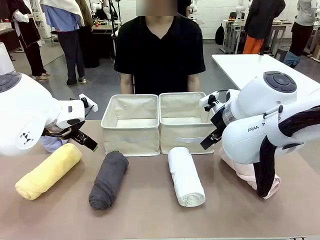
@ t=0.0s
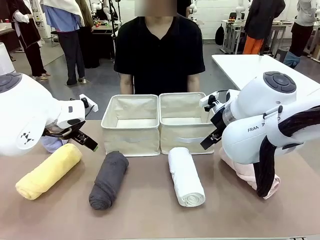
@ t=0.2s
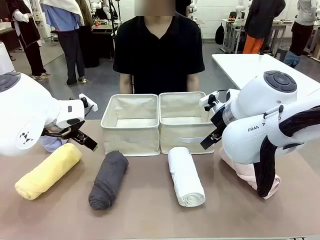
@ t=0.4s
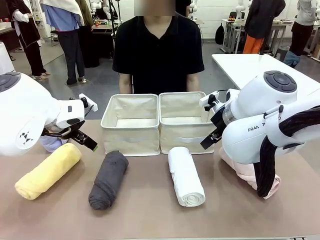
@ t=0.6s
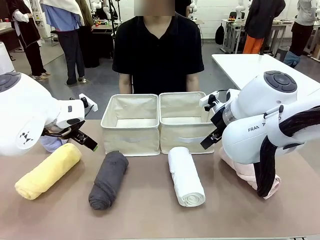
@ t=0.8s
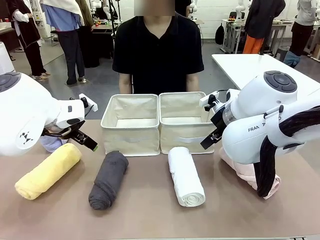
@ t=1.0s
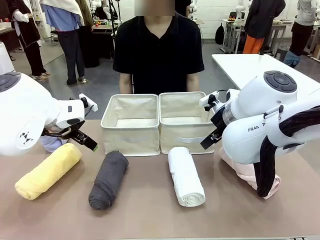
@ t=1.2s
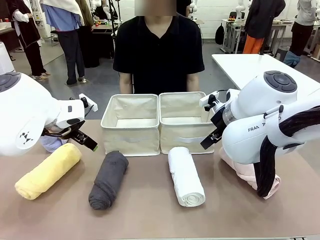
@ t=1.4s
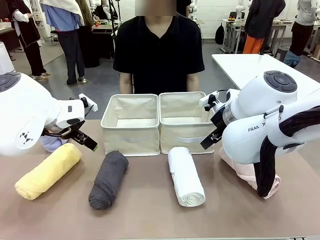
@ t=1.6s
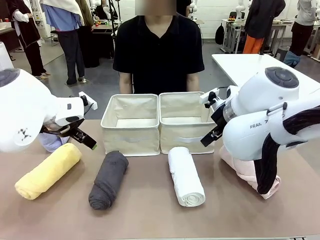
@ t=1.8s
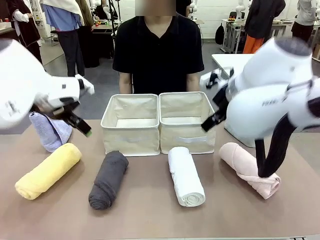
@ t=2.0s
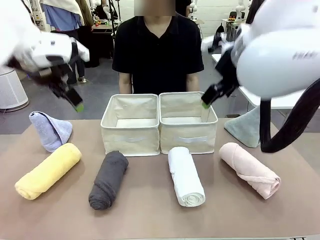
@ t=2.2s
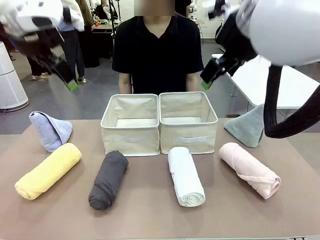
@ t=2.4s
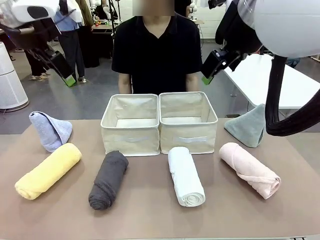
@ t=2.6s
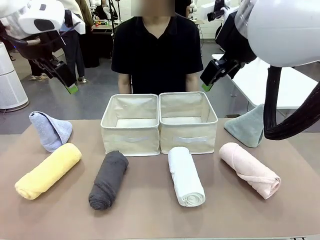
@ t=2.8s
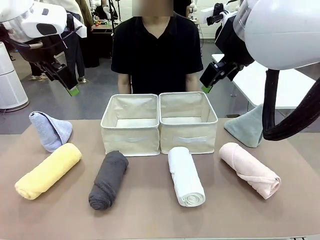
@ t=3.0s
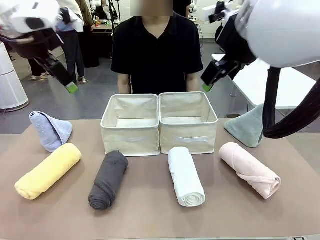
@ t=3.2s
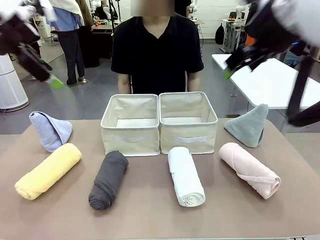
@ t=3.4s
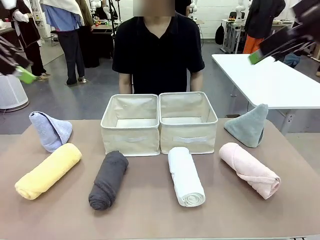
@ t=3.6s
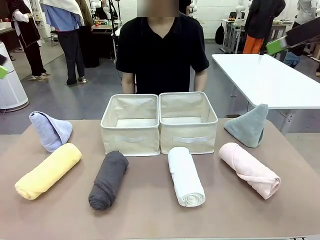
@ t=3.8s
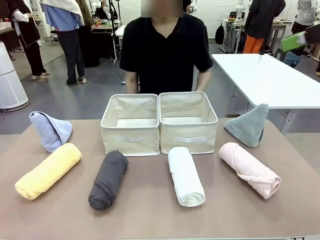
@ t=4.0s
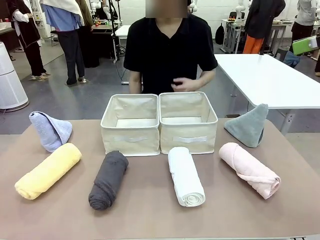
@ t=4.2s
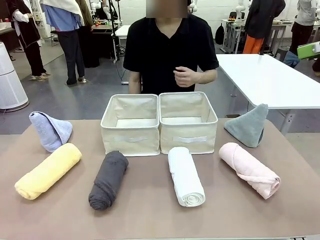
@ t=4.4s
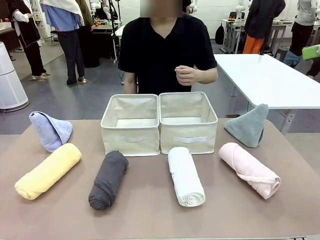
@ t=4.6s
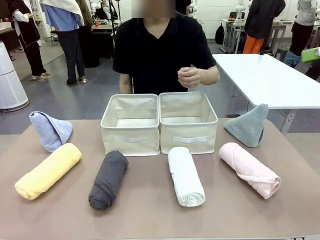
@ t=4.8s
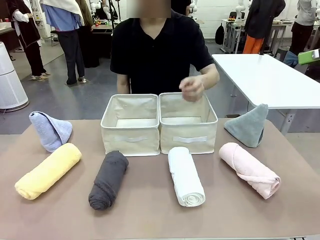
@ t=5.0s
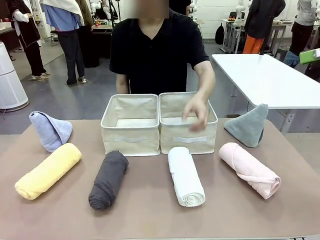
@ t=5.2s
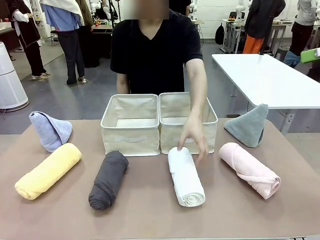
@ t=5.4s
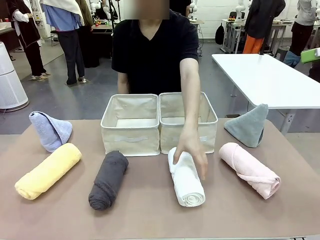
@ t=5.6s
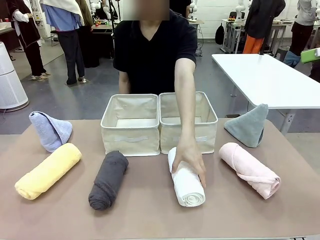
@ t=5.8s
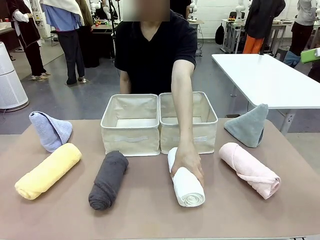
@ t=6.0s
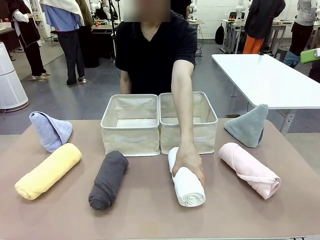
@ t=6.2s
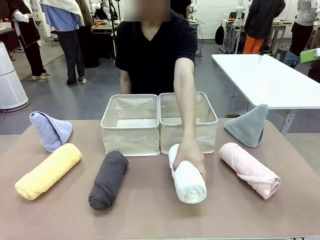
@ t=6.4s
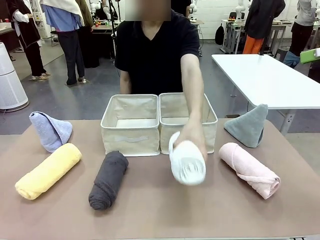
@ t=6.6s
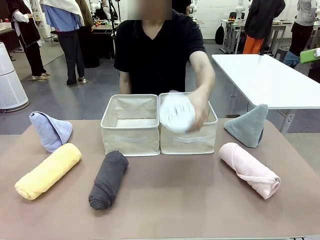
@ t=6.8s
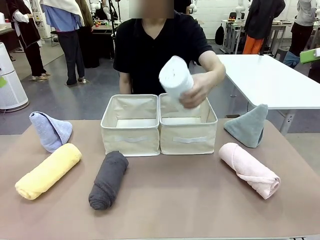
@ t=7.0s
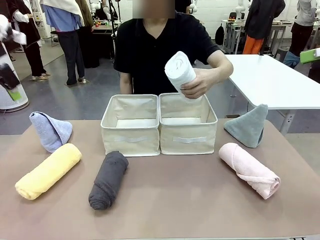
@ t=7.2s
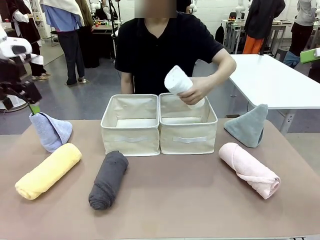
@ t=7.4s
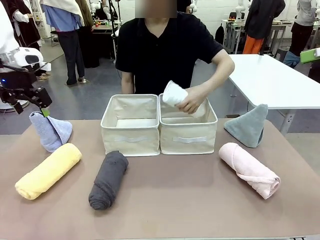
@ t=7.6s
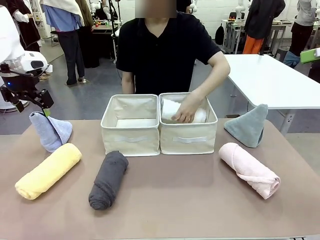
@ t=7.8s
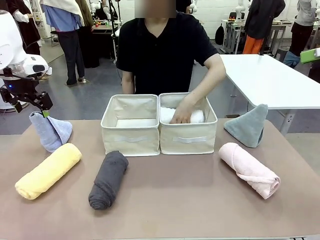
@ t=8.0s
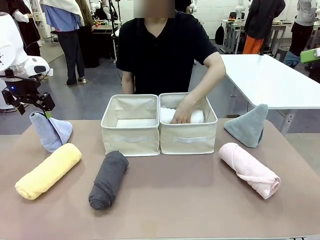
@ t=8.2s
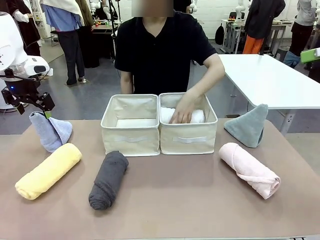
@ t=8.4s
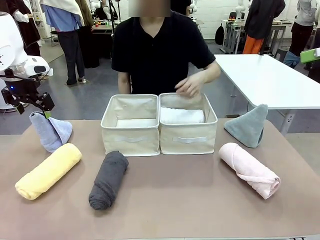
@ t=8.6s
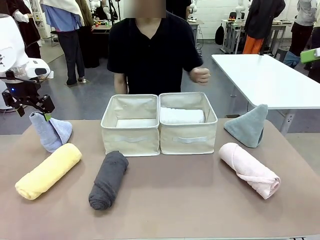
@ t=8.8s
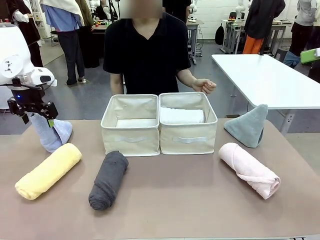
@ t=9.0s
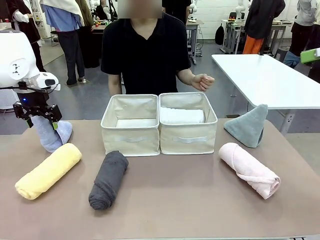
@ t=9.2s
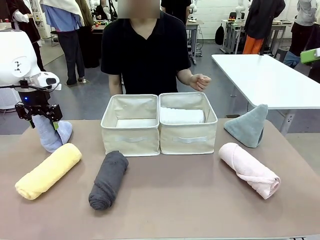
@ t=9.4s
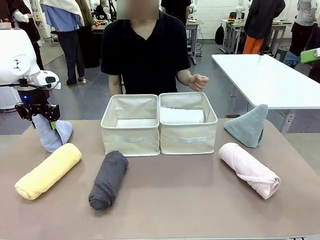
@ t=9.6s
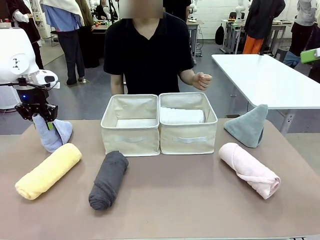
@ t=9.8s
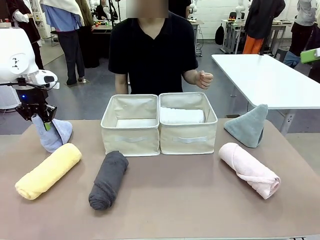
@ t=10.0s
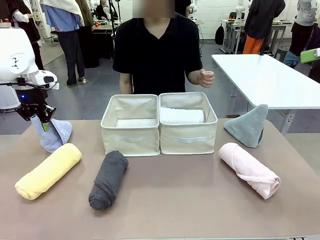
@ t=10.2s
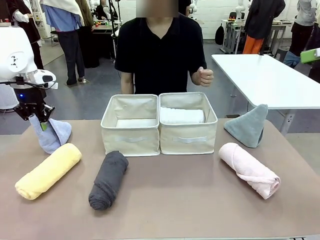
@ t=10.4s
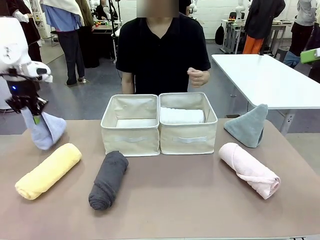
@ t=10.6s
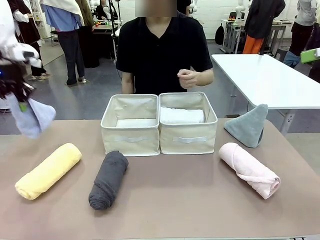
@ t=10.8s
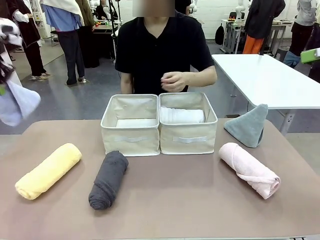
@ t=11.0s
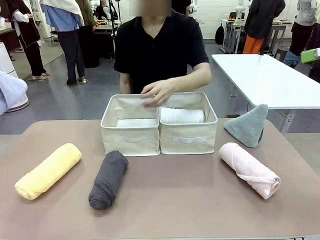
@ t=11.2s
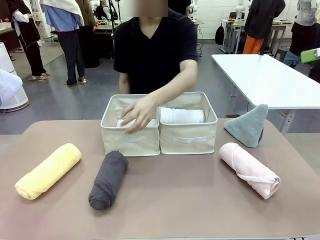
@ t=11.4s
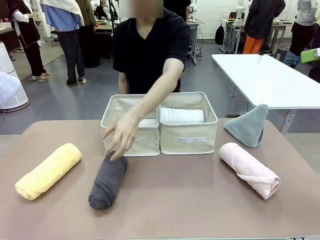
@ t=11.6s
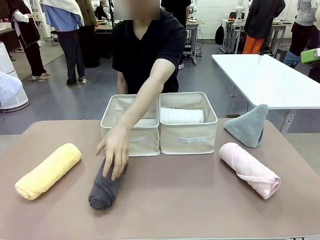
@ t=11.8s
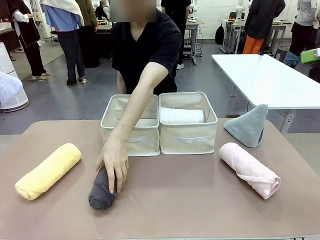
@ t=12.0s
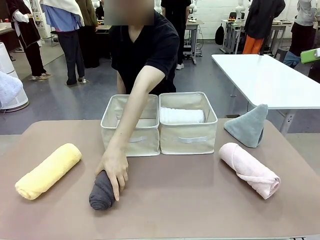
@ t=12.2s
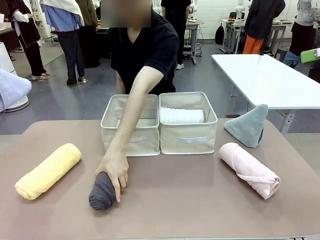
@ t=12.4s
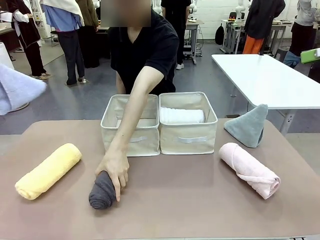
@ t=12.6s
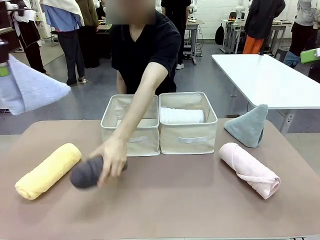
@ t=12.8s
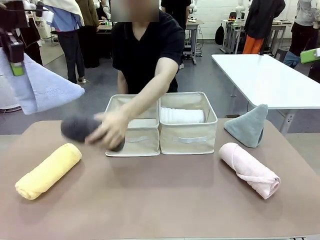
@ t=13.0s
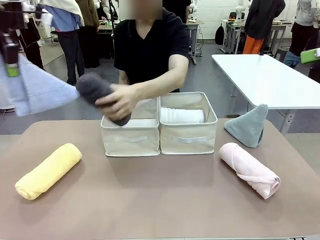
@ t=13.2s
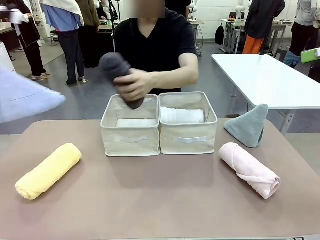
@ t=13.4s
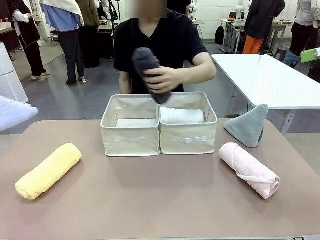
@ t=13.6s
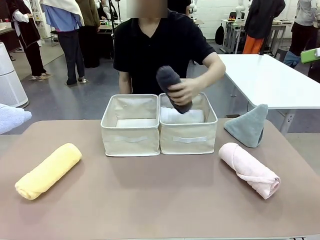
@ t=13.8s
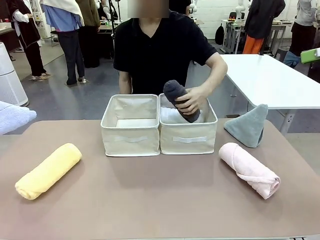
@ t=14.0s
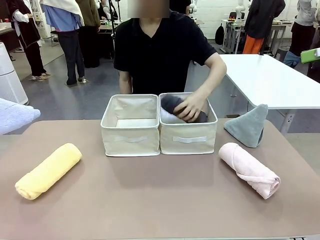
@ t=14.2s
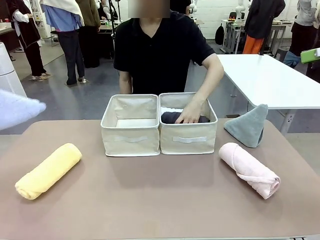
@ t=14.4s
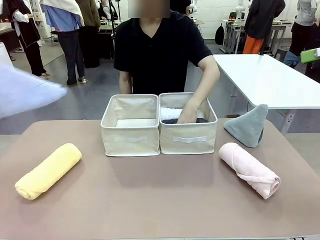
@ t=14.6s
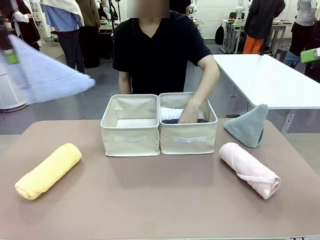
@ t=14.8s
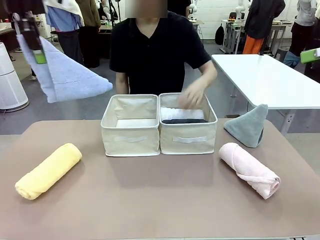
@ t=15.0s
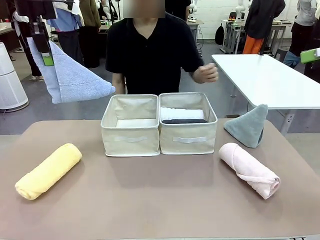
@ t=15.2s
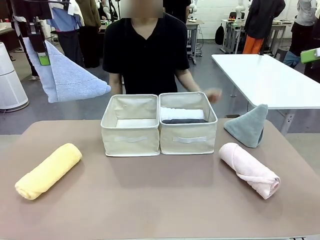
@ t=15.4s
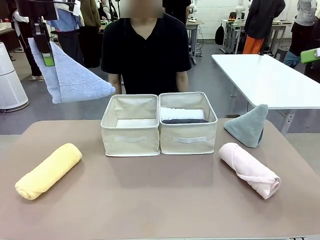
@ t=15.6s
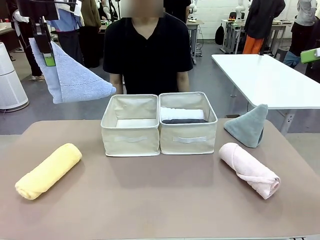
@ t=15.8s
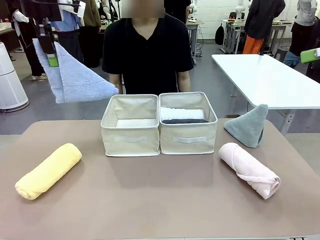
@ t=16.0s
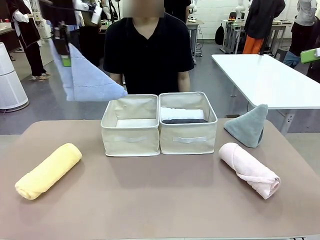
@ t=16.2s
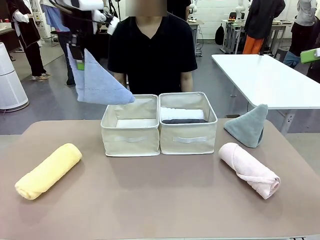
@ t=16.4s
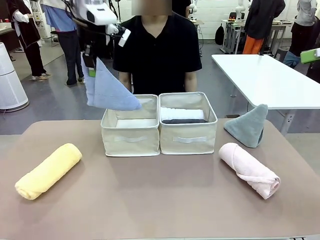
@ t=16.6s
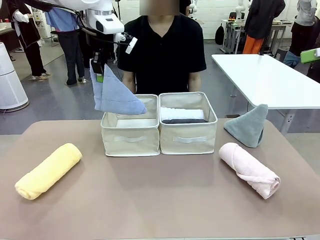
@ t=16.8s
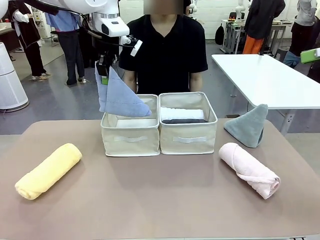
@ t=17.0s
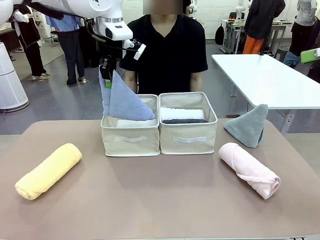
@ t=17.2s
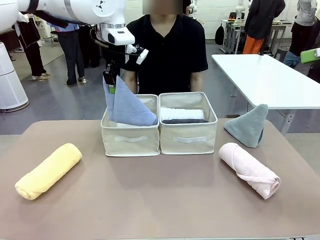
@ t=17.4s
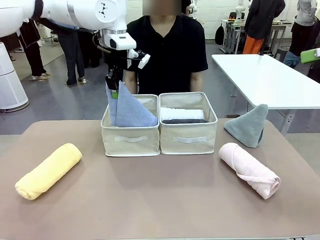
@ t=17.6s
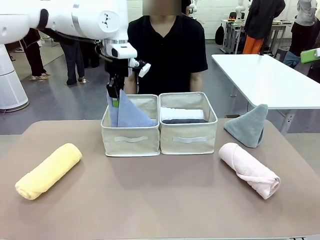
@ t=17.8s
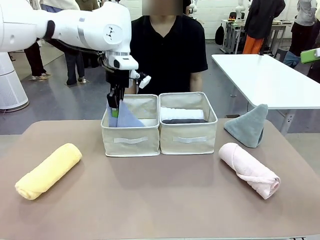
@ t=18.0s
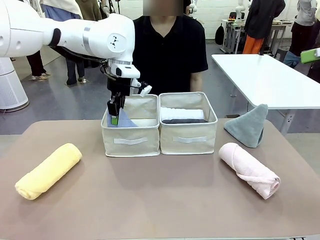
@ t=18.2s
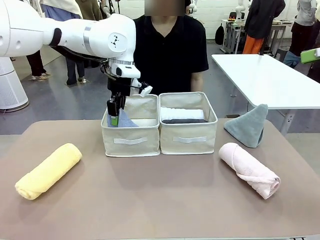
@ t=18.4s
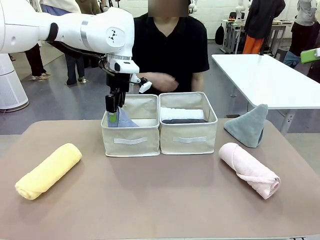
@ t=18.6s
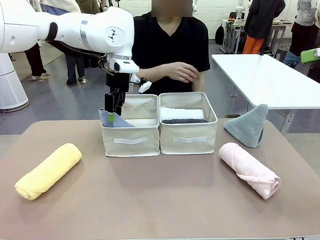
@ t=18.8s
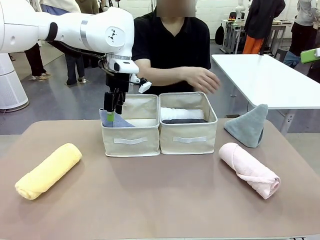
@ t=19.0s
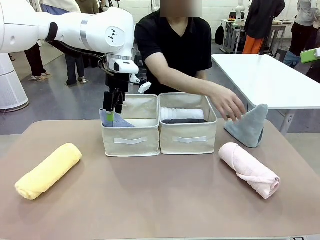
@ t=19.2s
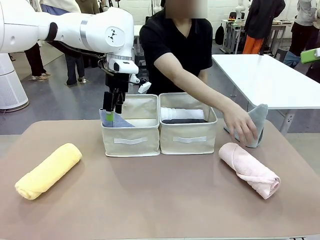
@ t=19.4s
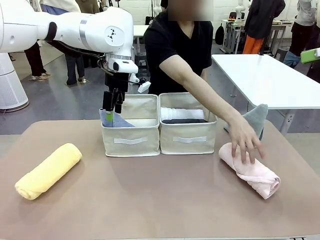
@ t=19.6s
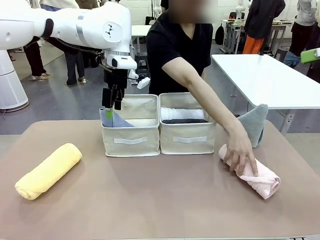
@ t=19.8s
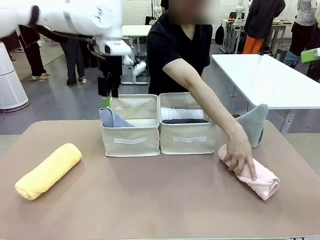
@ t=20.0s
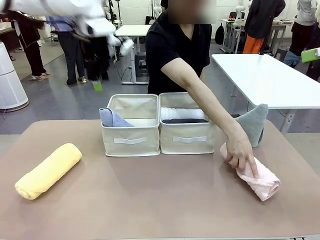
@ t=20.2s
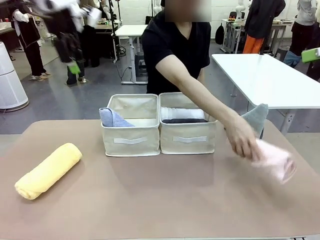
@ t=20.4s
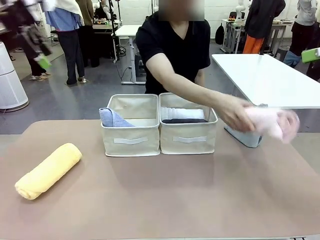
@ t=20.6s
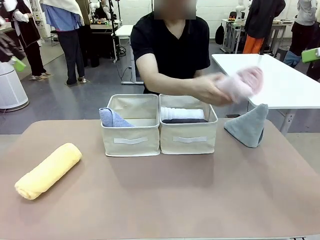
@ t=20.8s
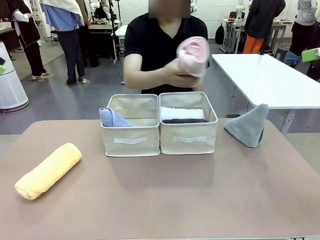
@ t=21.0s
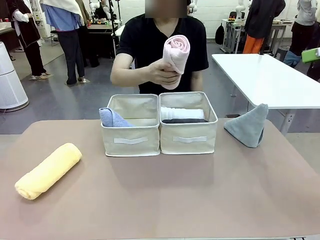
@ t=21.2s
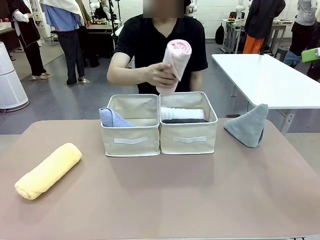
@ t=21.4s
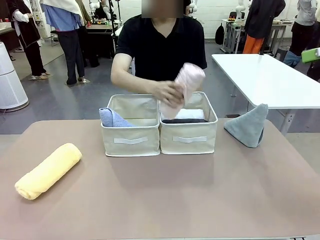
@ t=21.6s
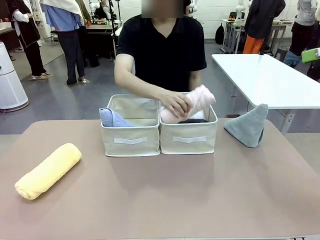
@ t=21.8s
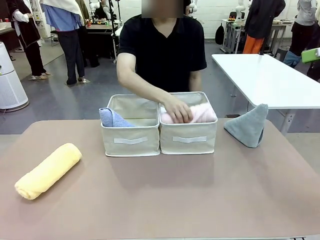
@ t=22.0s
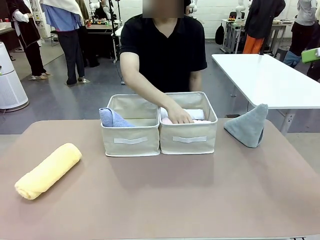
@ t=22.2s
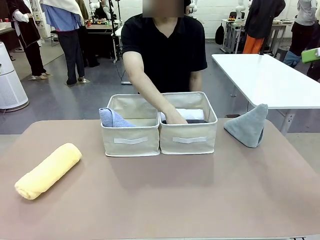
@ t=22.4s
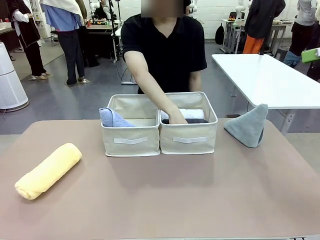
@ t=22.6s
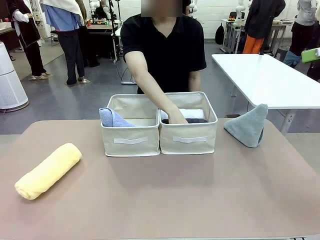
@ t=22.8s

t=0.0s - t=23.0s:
Task: Sort the towels based on their folding style.
Robot: Pick up one triangle-folded towel and place it in the left Fabric basket.
Person: Pick up one hotel-style rolled towel and place it in the left fabric basket.
